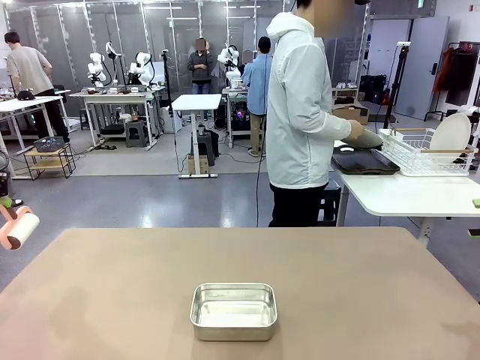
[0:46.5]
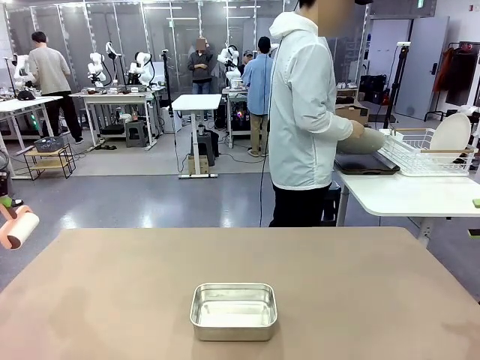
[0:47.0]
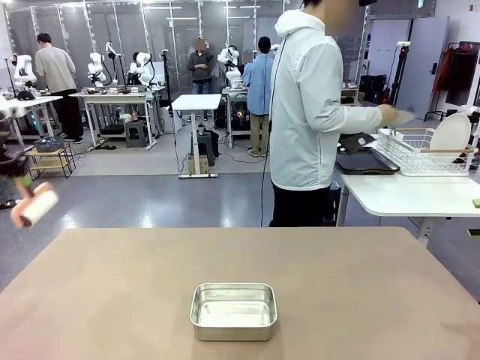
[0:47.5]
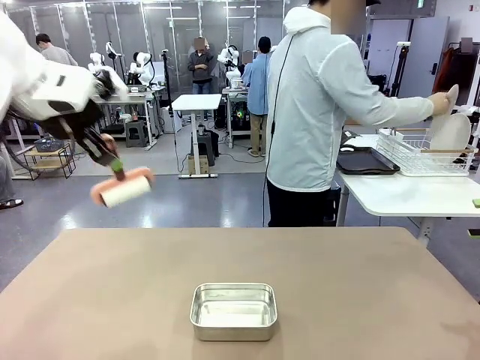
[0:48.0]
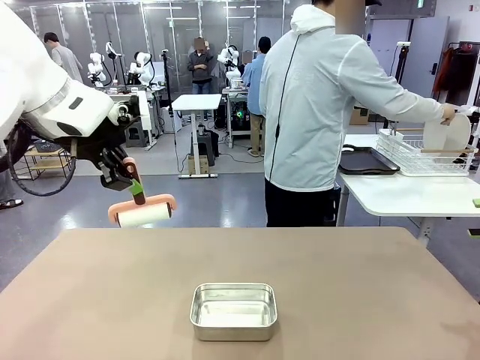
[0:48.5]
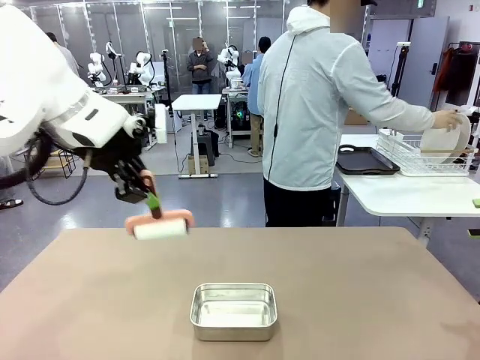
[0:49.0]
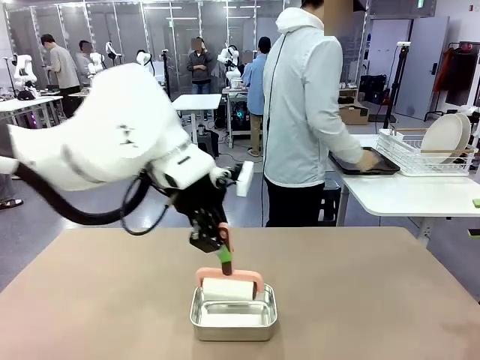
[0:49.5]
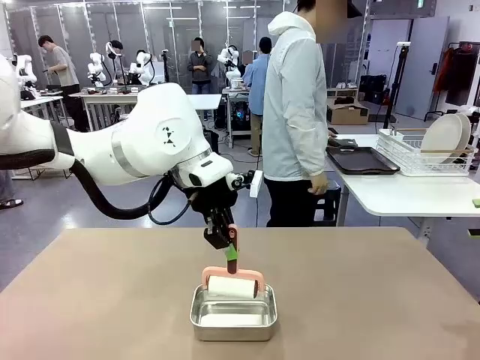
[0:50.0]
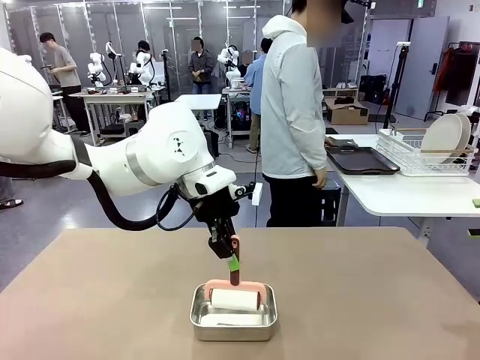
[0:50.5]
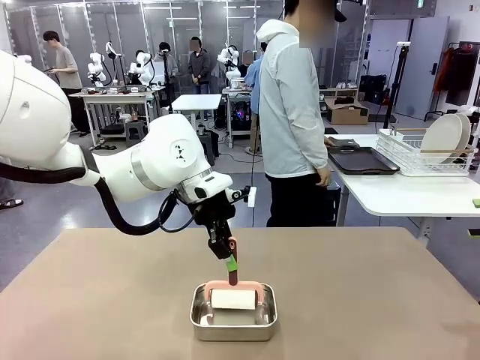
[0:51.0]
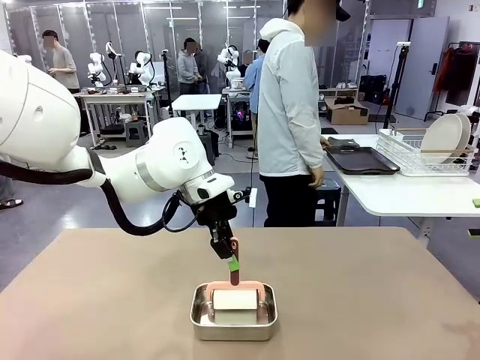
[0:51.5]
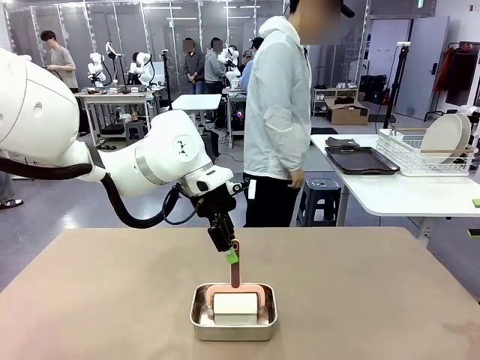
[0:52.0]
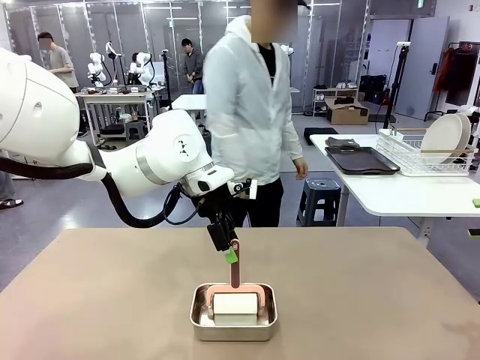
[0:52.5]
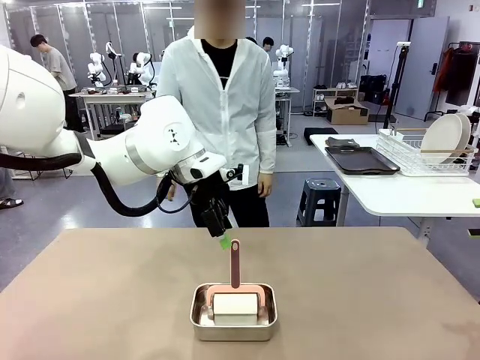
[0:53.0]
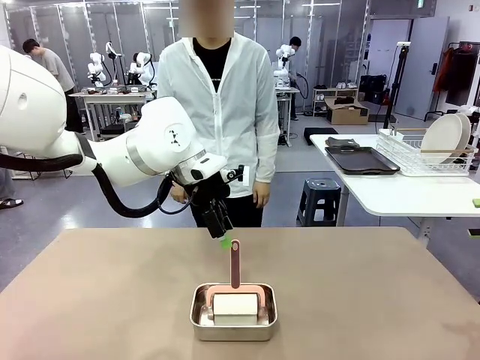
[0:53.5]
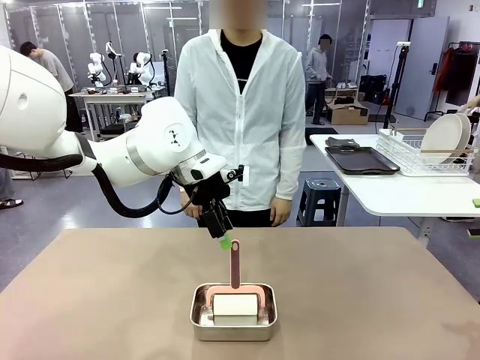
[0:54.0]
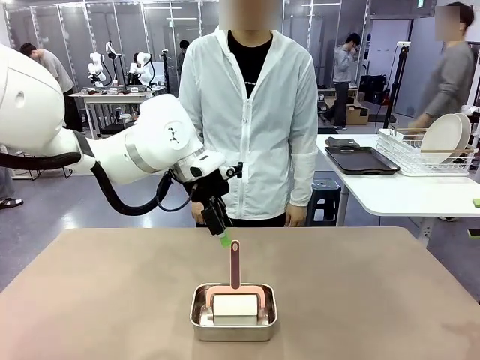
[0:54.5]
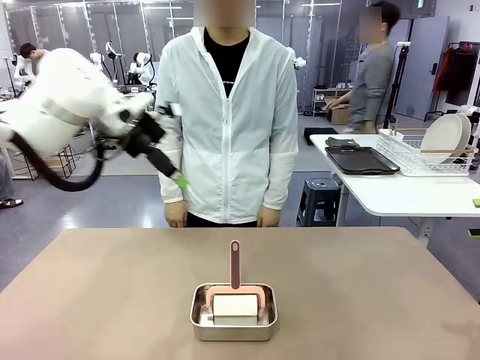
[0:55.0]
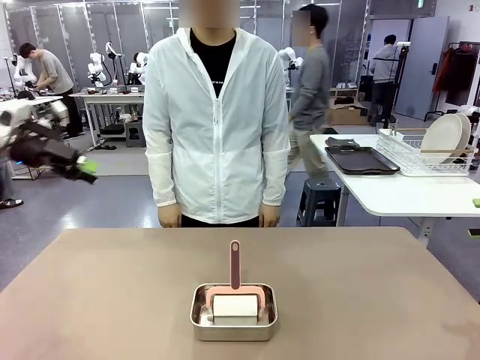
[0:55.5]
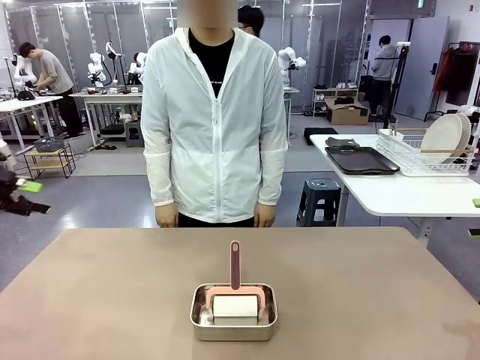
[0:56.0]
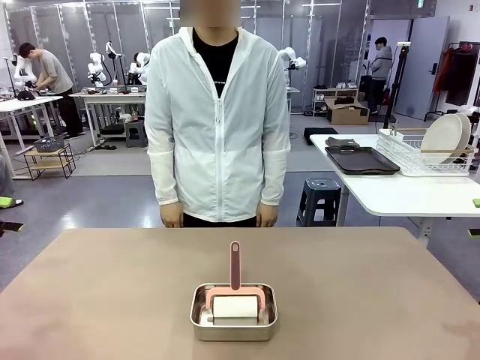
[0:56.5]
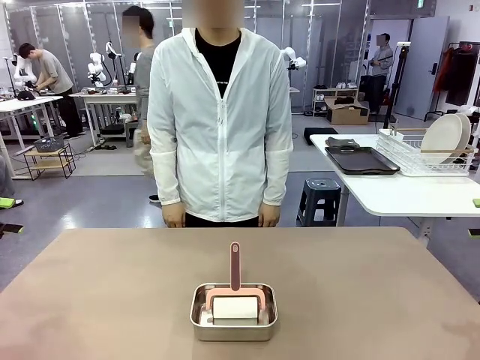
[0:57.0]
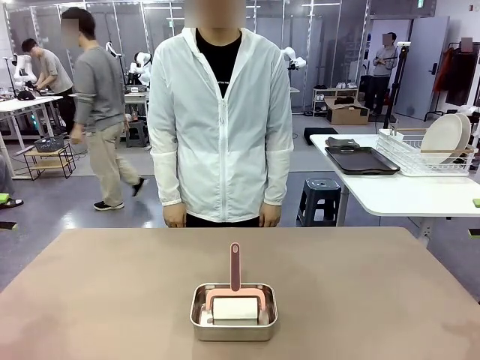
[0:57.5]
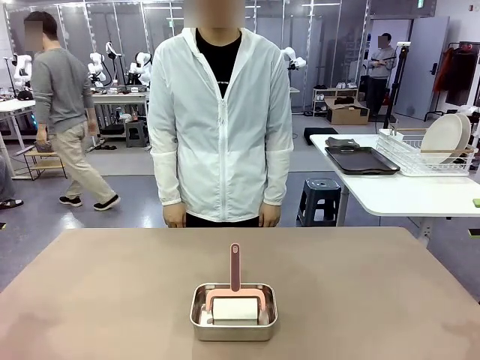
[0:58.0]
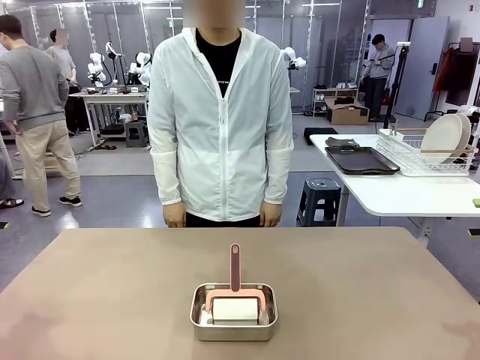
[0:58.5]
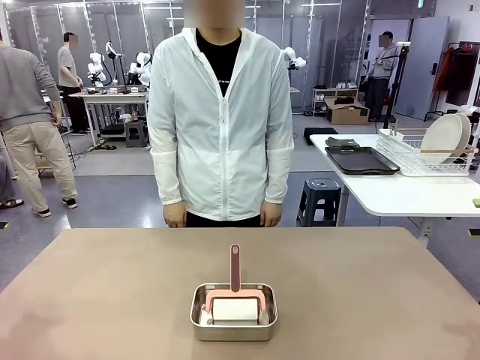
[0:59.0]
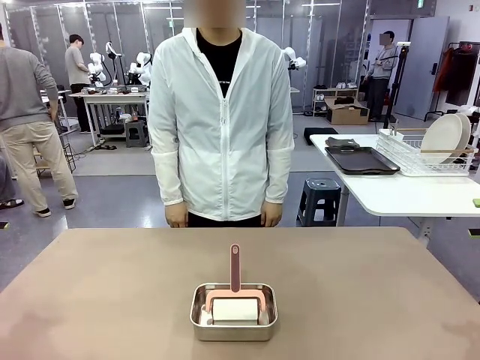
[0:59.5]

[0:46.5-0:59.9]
Robot: Place the Lint Roller back on top of the Airtight Container.
Person: Use the Towel with hook to wipe the Plastic Matte Plate , Fork , and Knife and place into the Dish drying rack.
